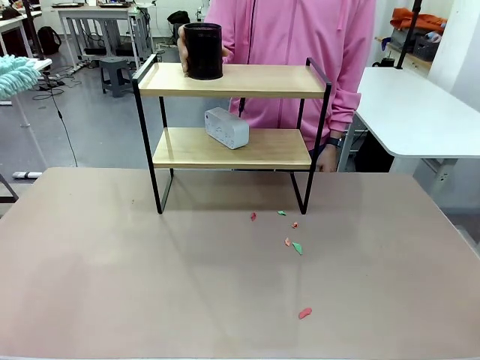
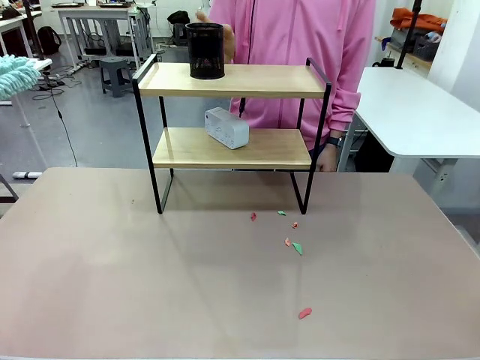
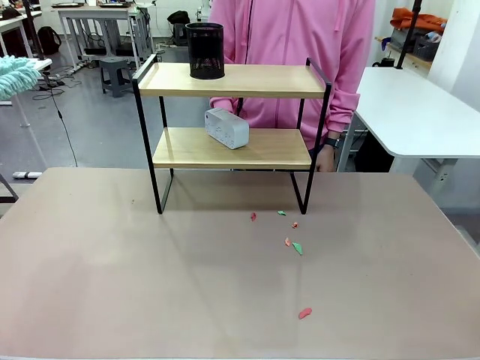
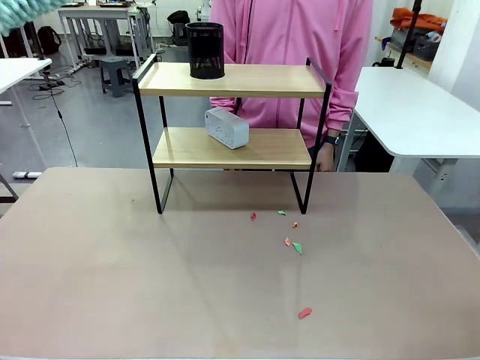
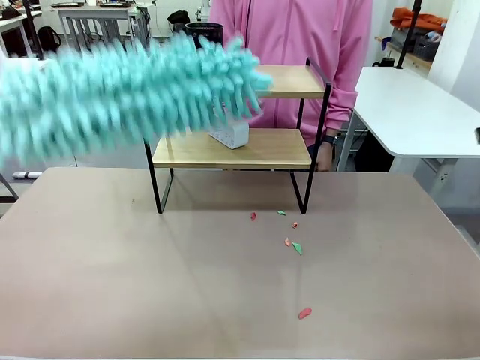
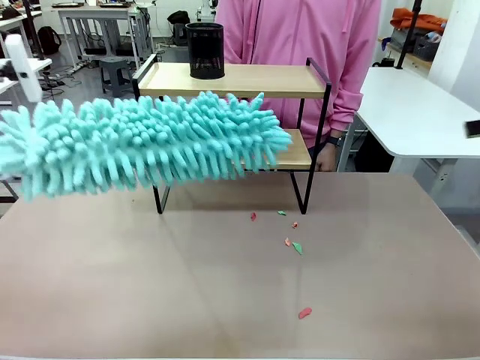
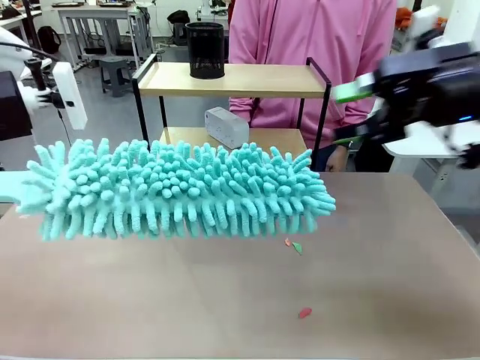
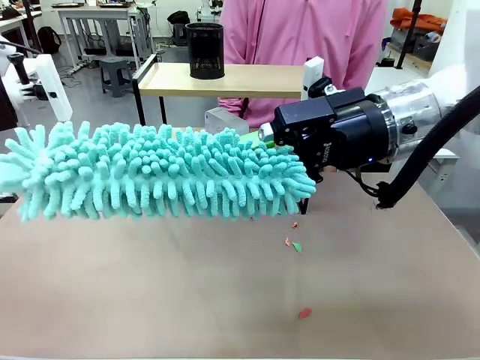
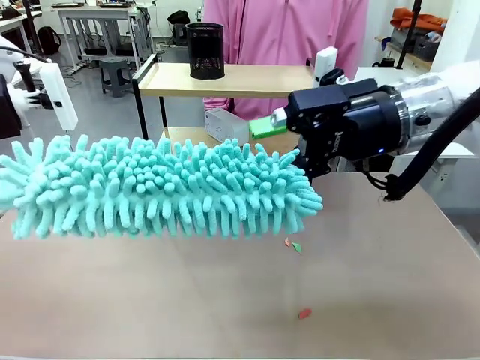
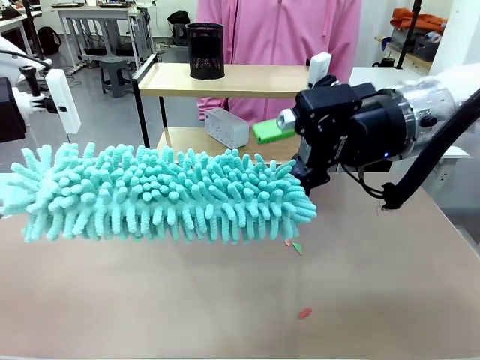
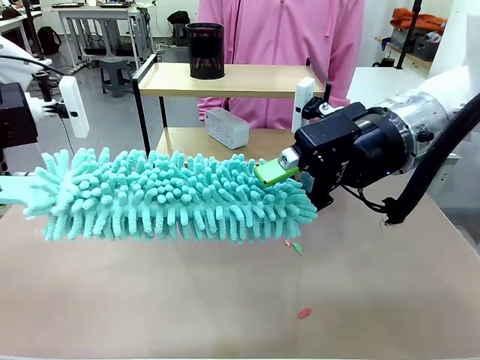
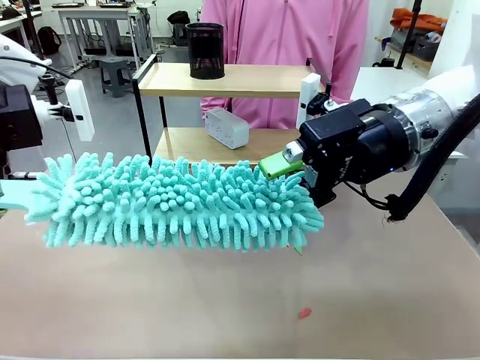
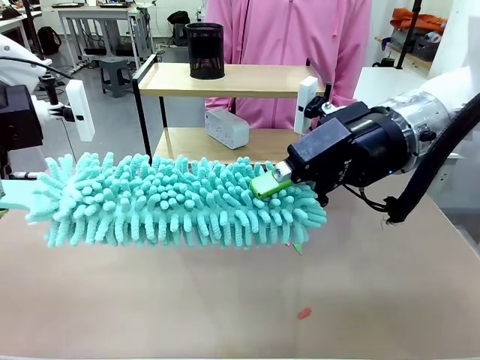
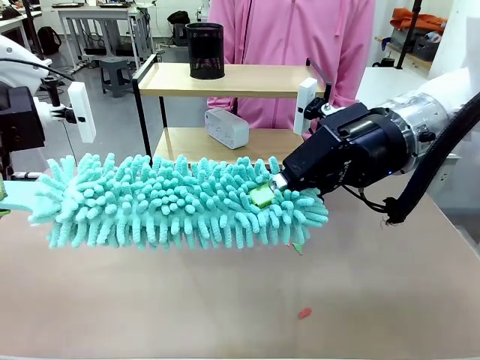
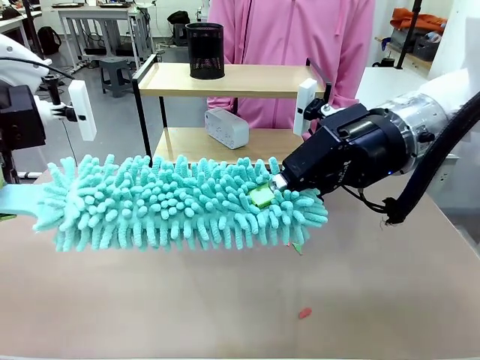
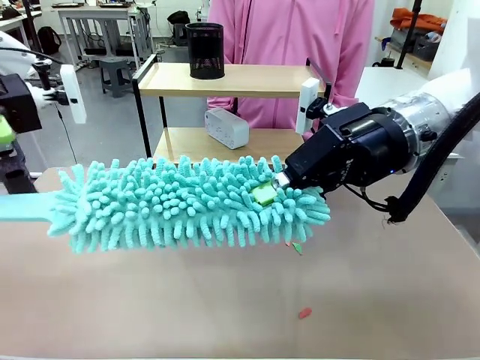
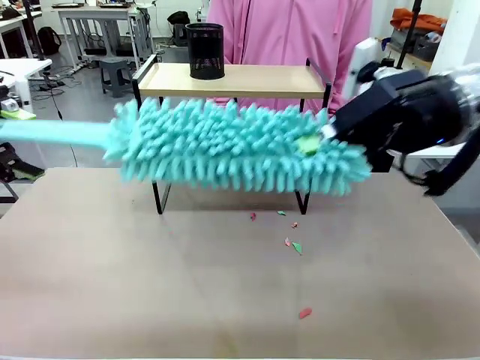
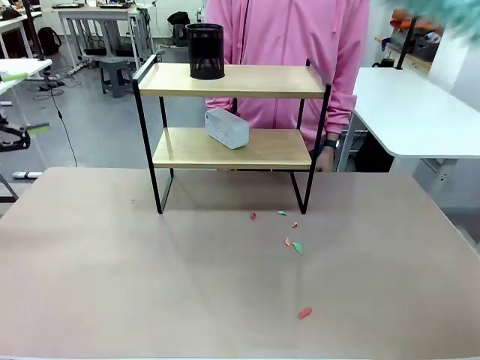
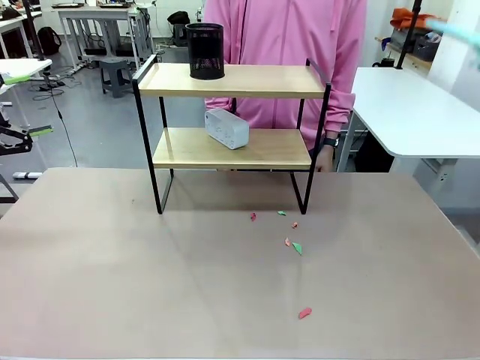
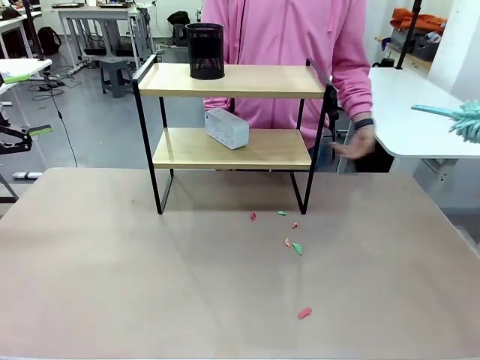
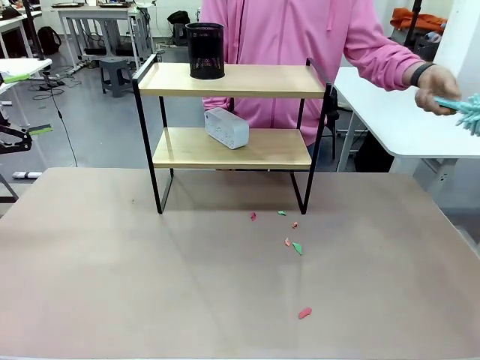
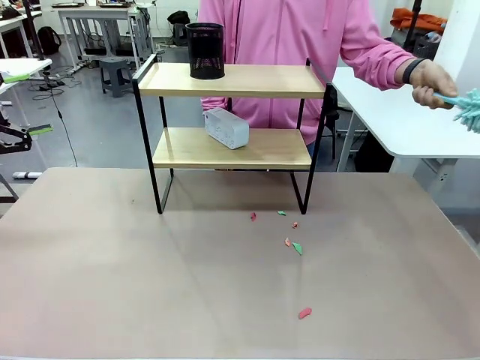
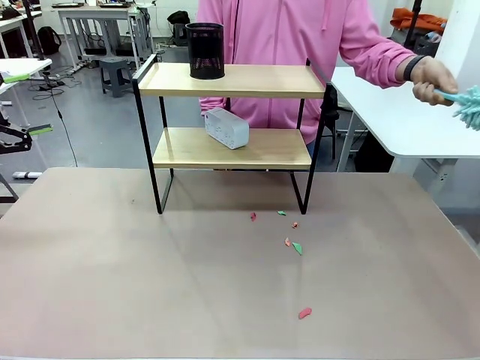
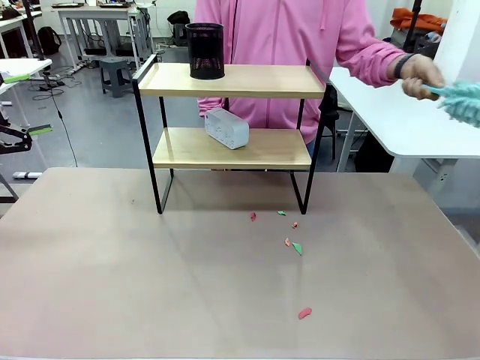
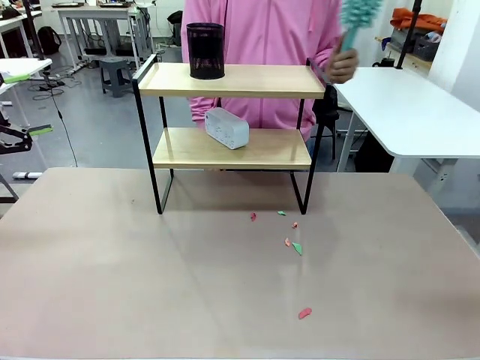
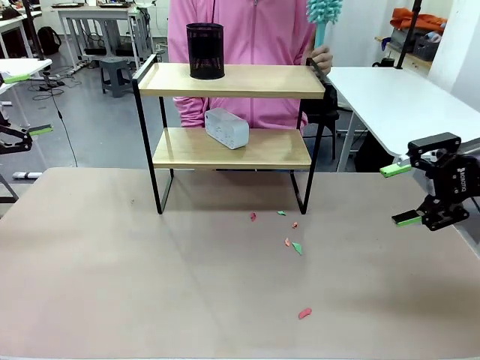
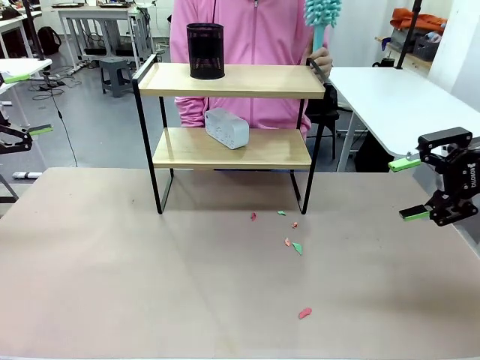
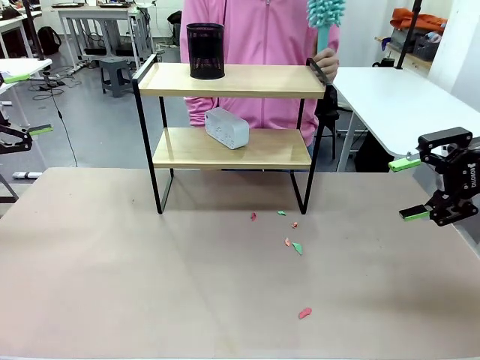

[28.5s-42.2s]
Task: Clean the shelf.
Robot: Hand the Duster back to the human.
Person: Receive the Duster from the robot.

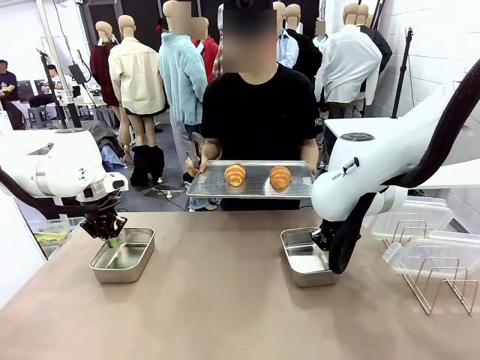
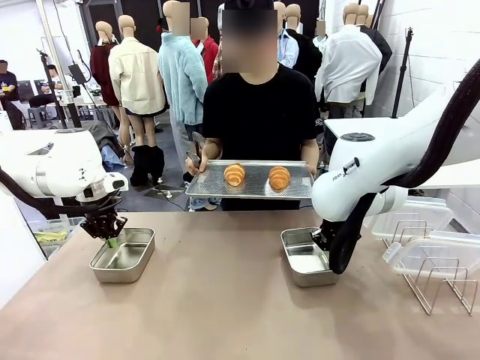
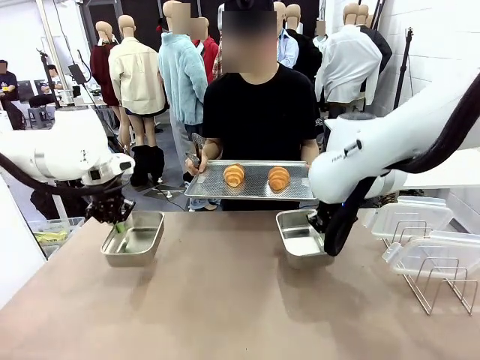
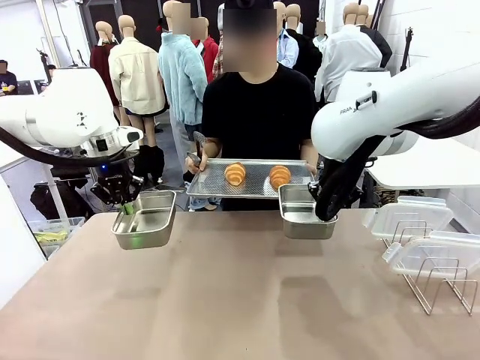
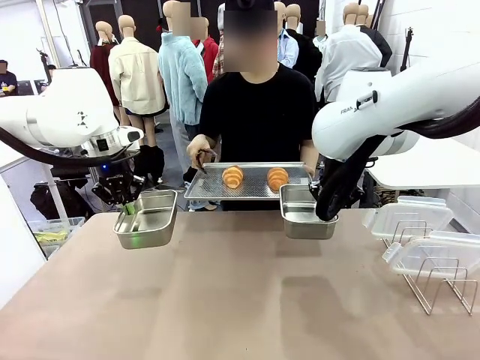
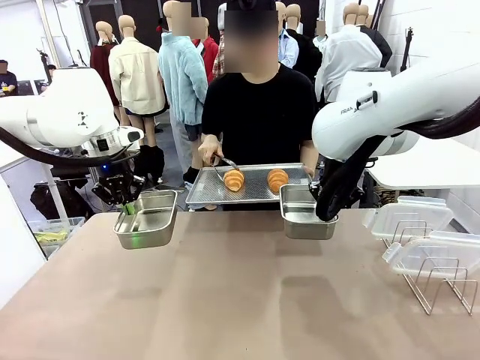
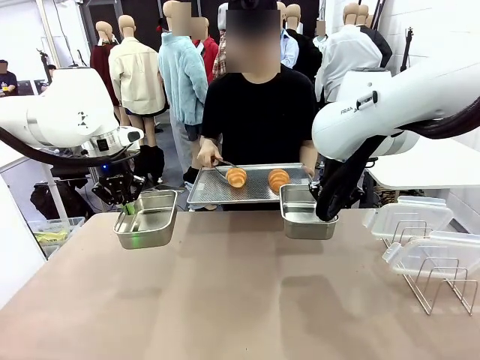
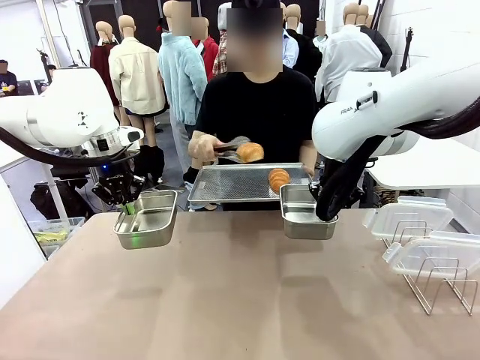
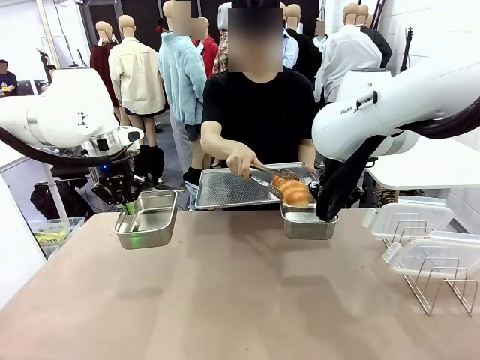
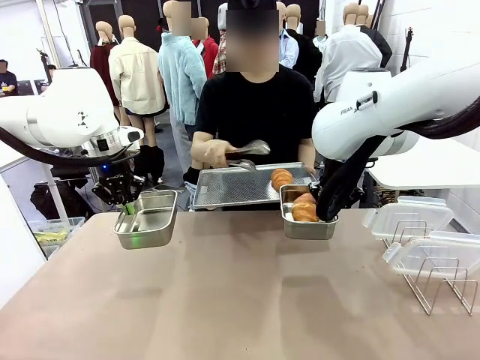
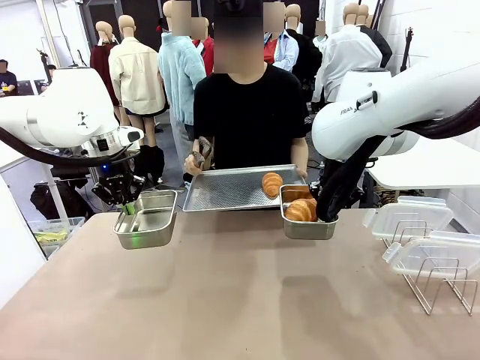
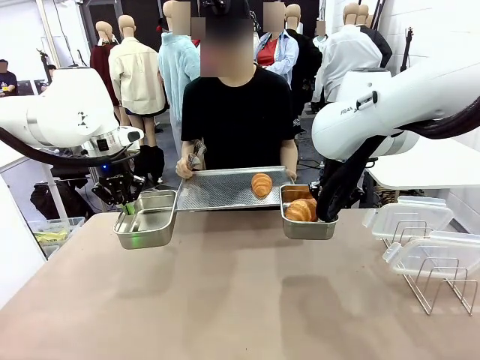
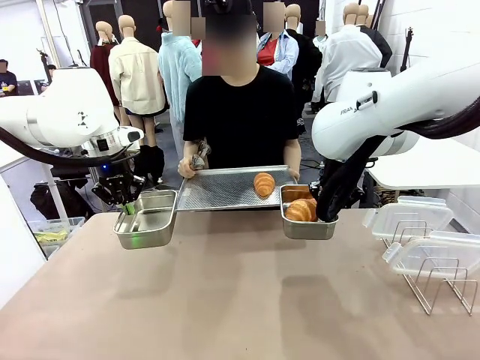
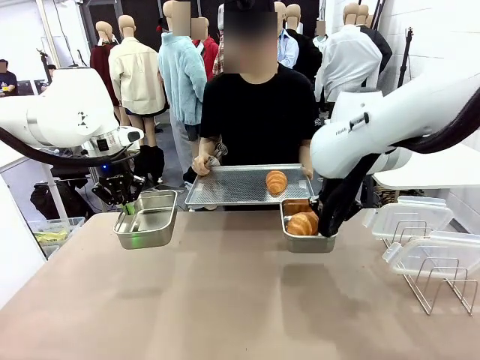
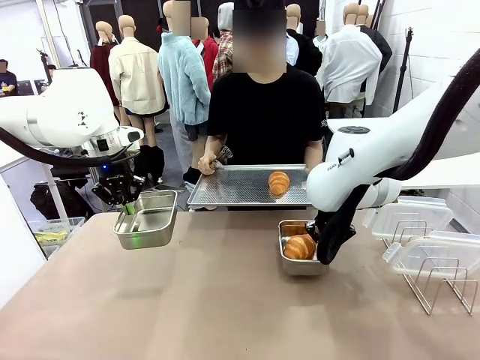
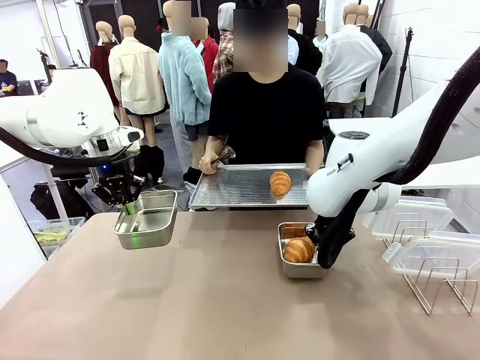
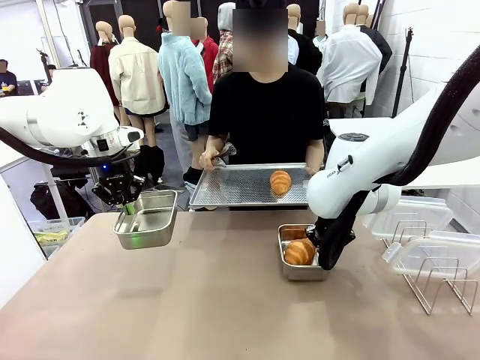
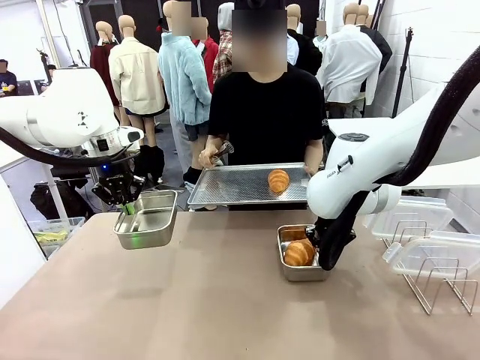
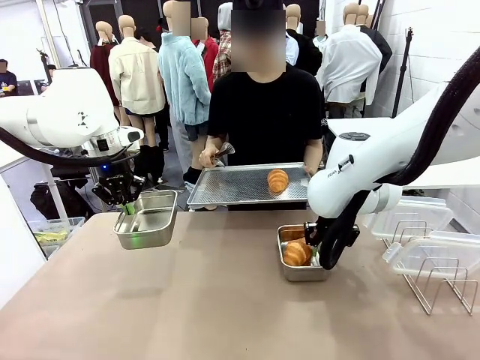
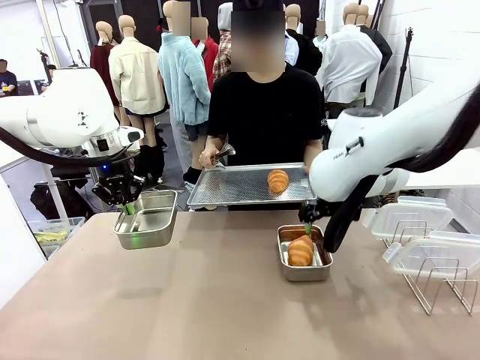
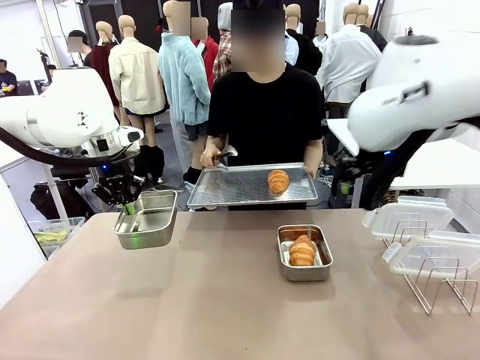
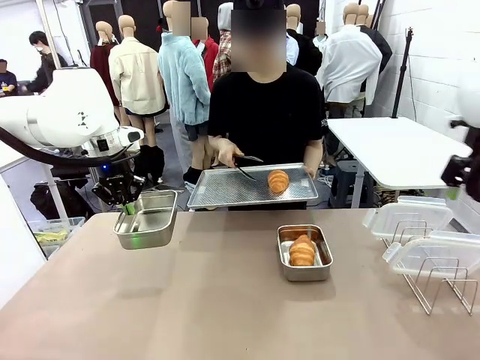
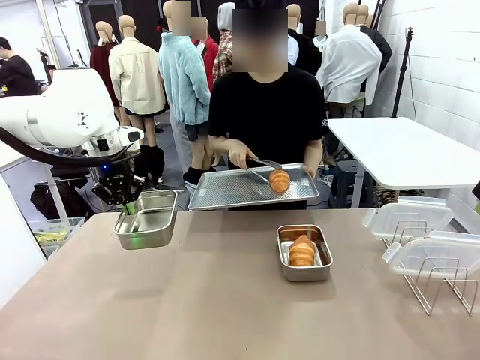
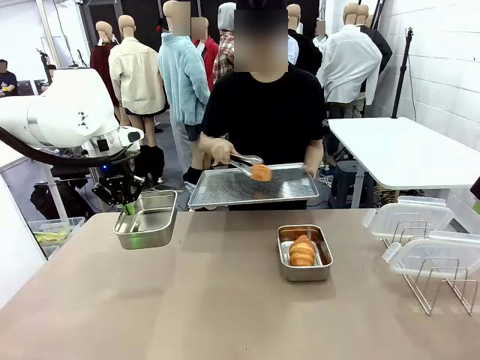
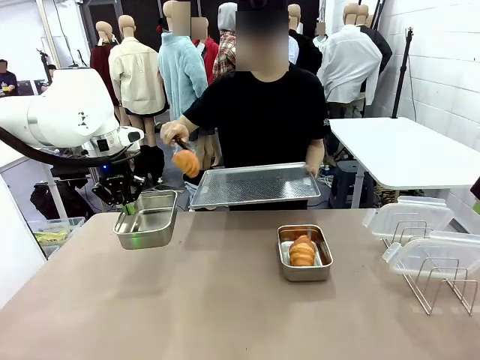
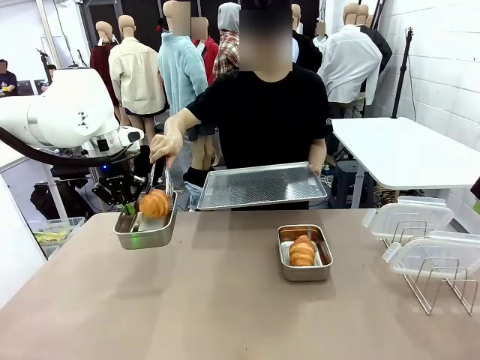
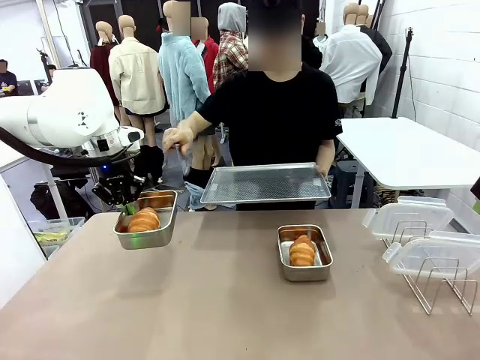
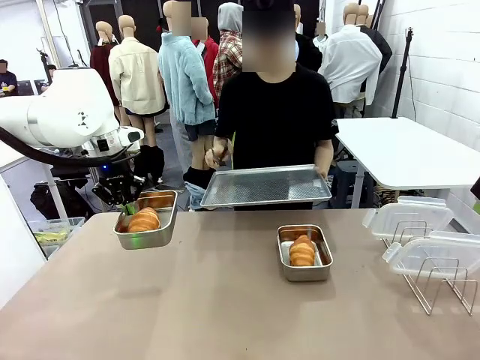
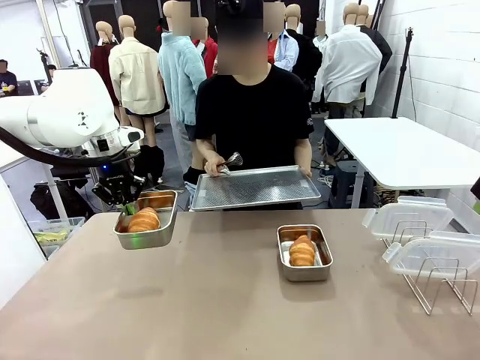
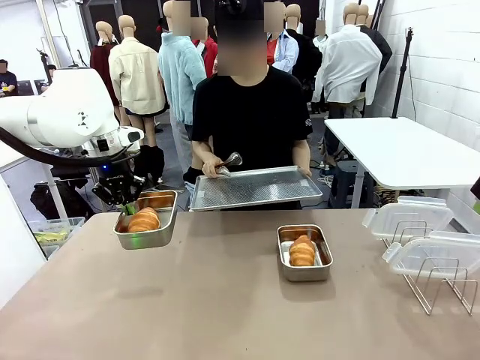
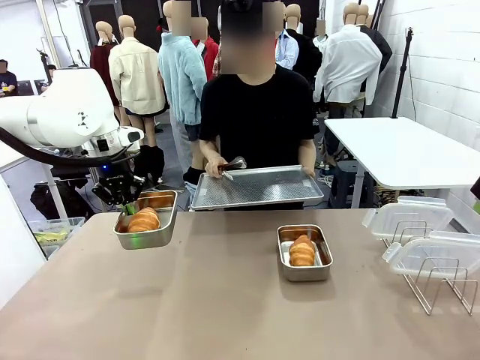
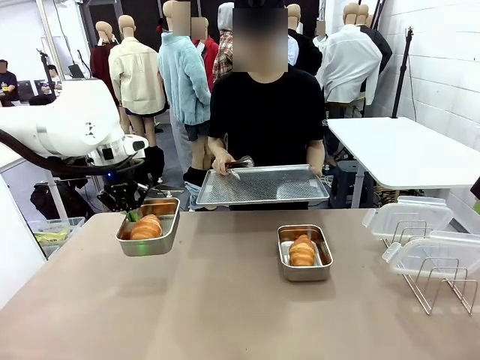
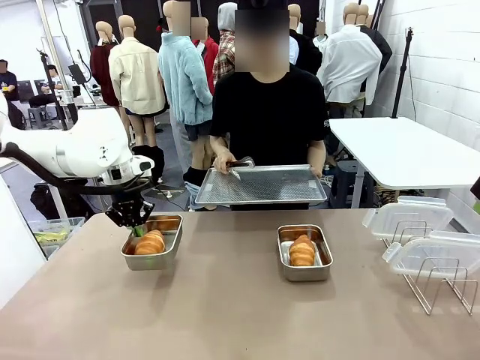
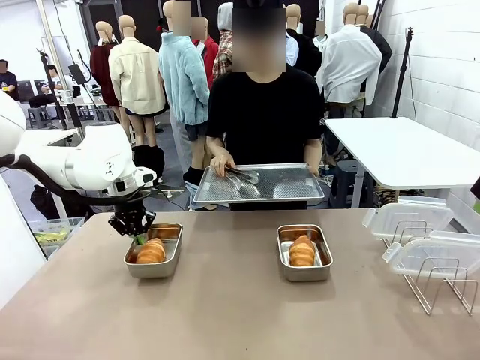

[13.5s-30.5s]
Task: Place the bread in airtight containers.
Robot: Once an object is inside an Airtight Container , place the container in the center of the table.
Person: Use the Stainless steel tongs to place one object from Baking Sheet into one Airtight Container.
